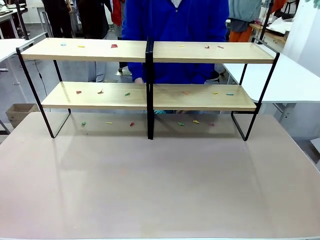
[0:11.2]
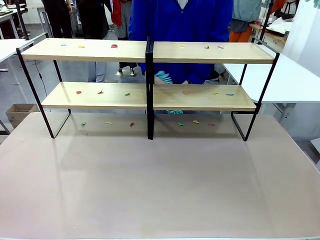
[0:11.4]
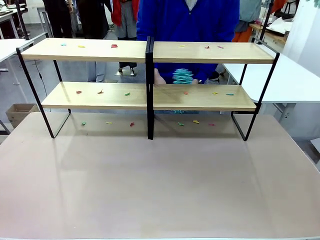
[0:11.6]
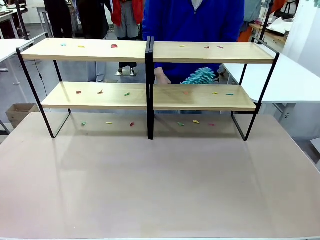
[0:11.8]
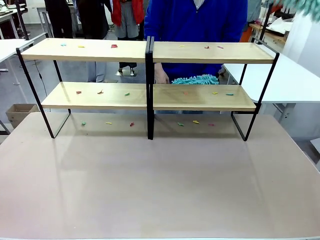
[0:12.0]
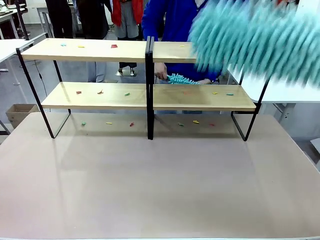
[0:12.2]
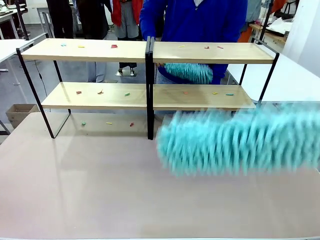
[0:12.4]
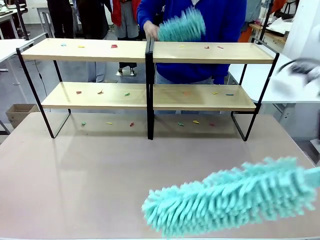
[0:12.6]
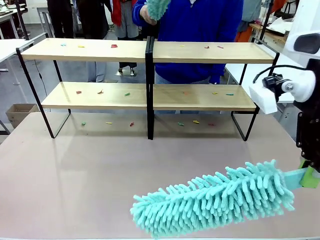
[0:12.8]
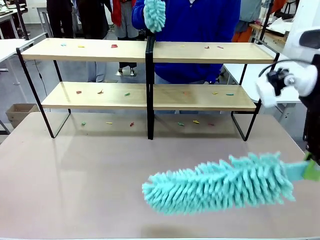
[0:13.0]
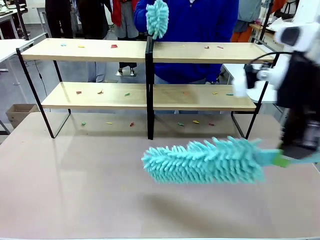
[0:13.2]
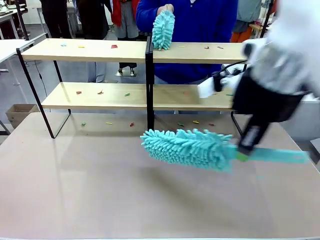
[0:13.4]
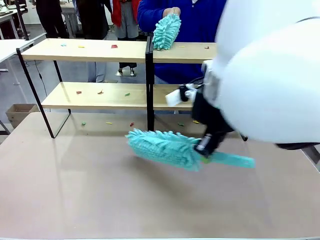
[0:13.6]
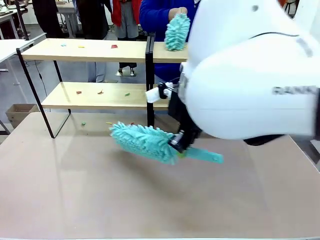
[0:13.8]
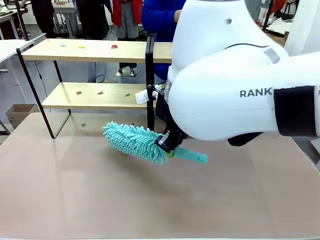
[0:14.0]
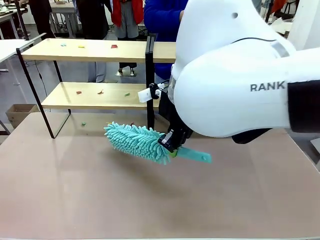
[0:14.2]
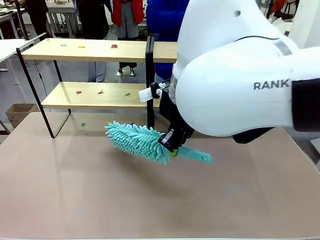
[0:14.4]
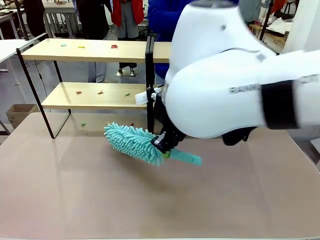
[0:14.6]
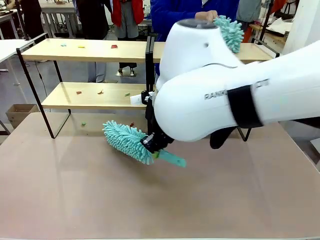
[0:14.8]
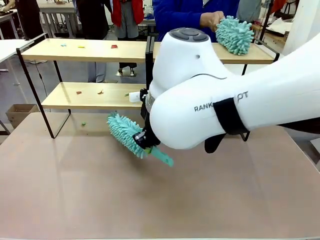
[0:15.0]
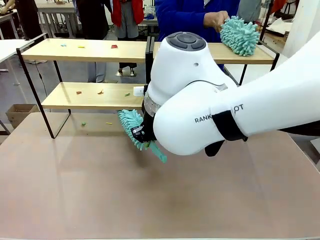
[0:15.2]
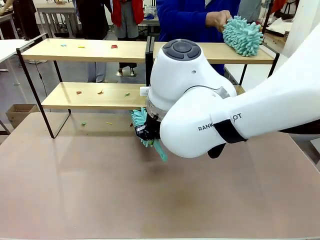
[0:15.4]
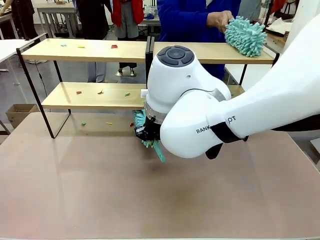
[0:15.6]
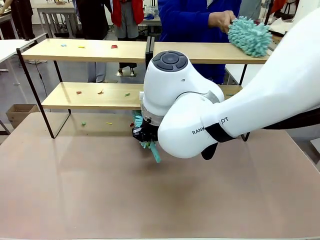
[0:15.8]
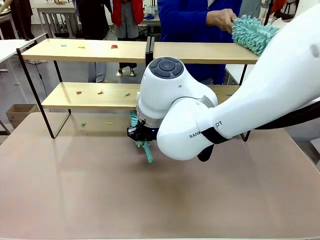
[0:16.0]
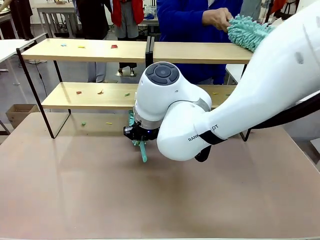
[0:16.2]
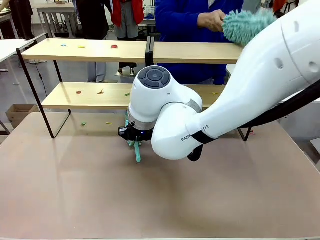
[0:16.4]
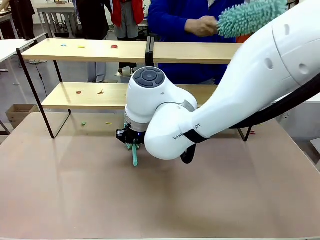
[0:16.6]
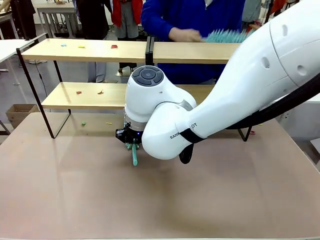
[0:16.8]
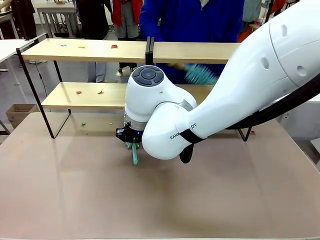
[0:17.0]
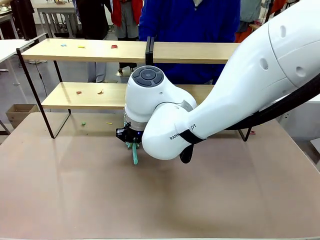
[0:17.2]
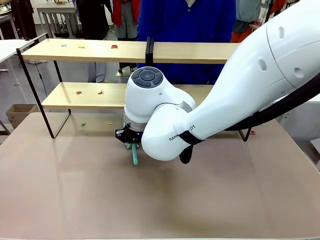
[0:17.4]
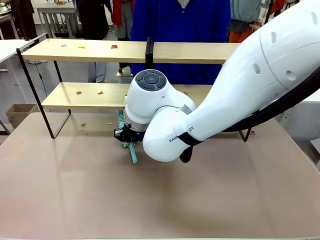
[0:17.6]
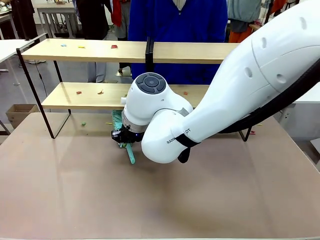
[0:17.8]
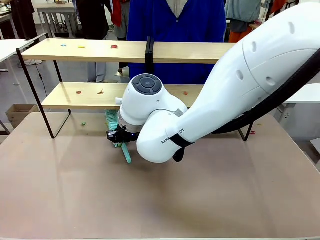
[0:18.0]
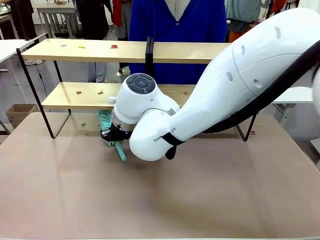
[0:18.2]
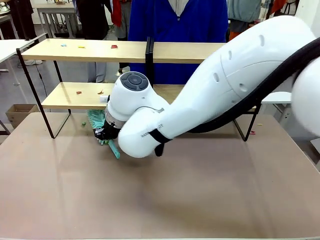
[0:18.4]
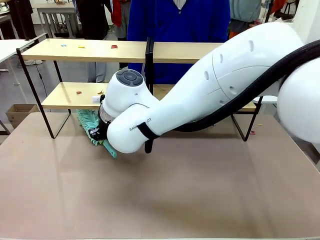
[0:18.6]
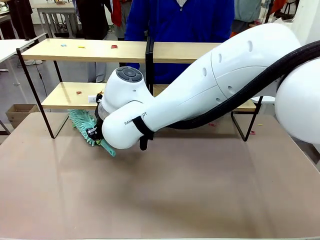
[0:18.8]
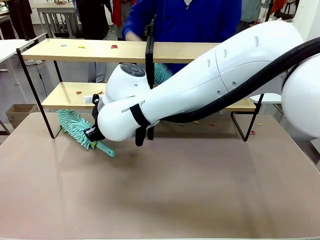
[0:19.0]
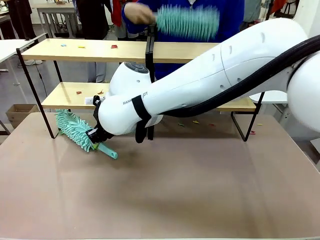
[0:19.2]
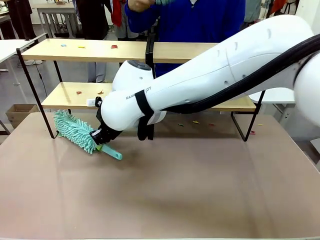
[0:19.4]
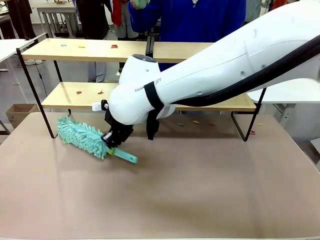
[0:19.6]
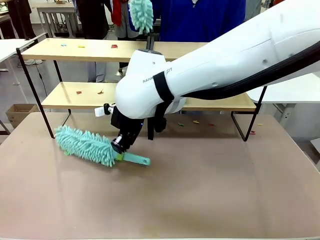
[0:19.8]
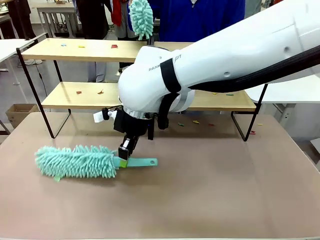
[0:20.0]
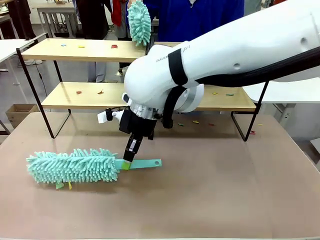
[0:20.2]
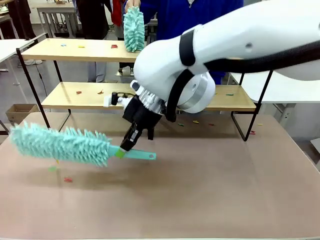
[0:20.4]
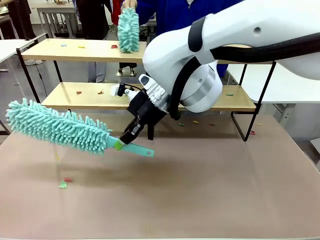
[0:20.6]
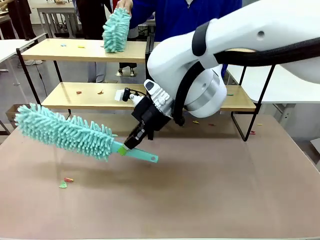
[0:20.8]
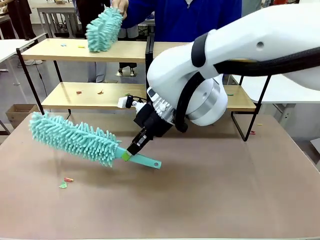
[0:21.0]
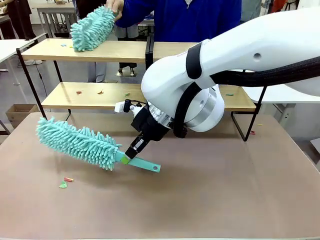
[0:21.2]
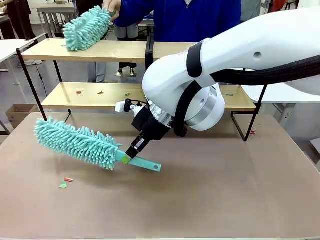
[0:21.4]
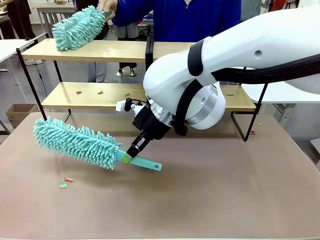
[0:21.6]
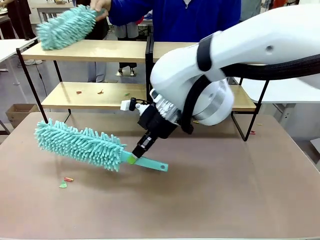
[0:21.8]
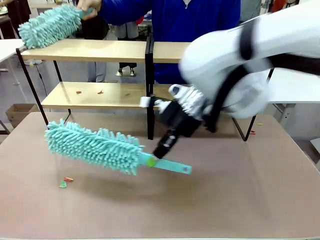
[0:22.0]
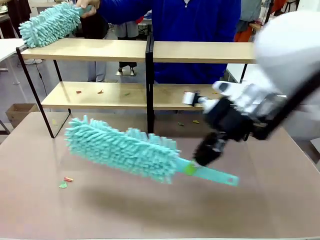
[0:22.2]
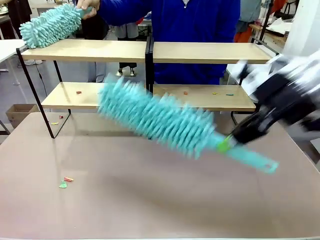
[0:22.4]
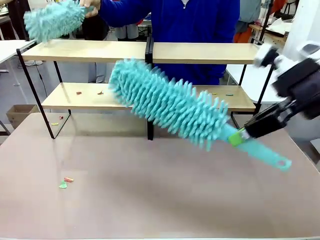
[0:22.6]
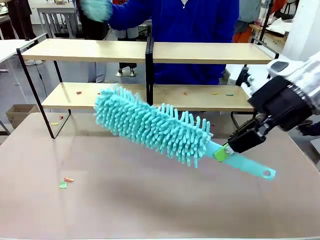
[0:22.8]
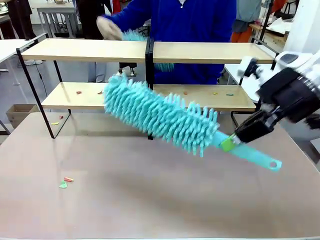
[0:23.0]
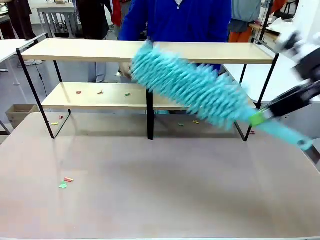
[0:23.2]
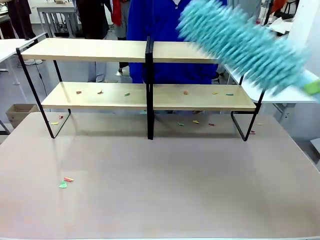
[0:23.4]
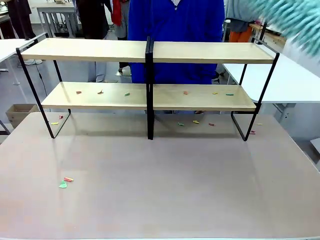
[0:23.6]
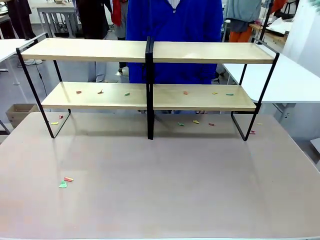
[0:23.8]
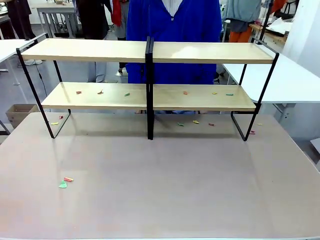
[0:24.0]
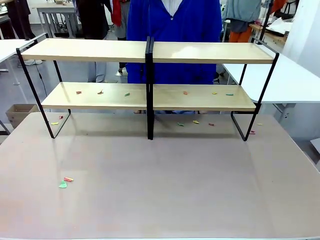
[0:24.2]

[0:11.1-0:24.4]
Task: Clean the shelves.
Robot: Clean a randomly selected level of the Shelf with the Duster.
